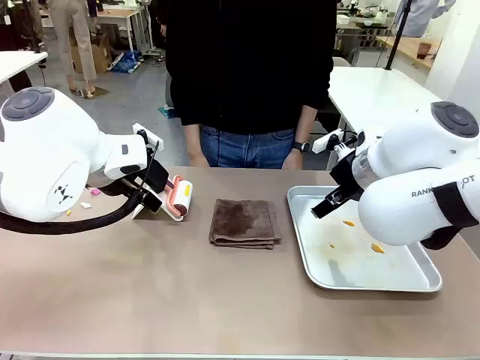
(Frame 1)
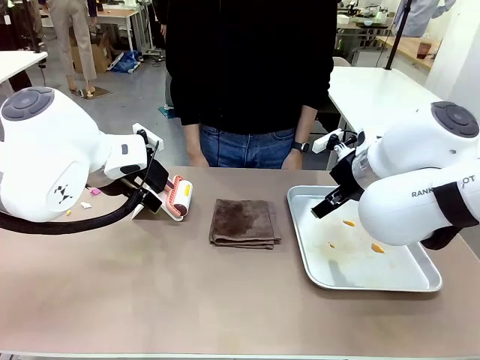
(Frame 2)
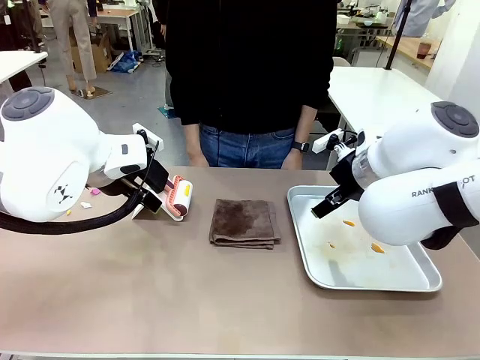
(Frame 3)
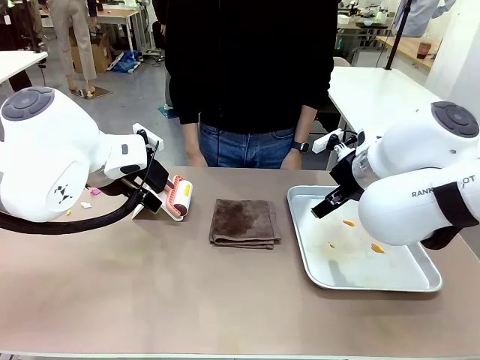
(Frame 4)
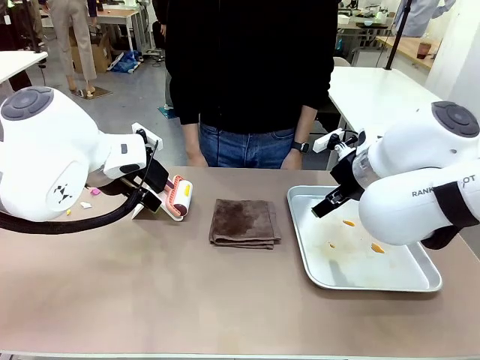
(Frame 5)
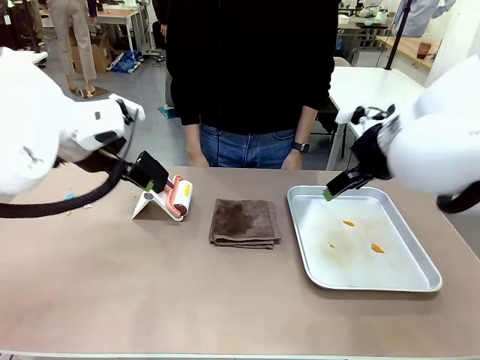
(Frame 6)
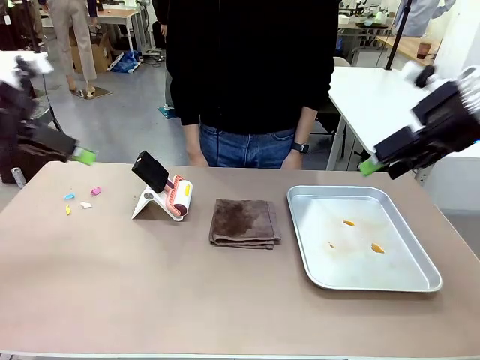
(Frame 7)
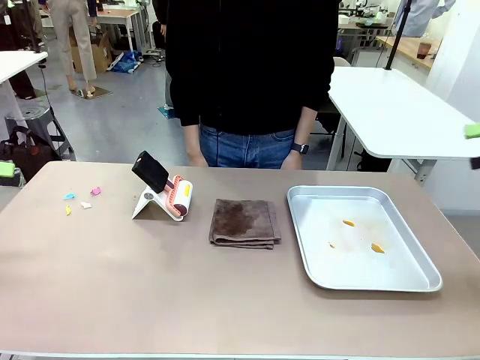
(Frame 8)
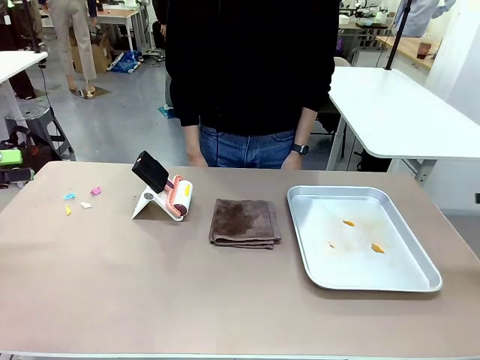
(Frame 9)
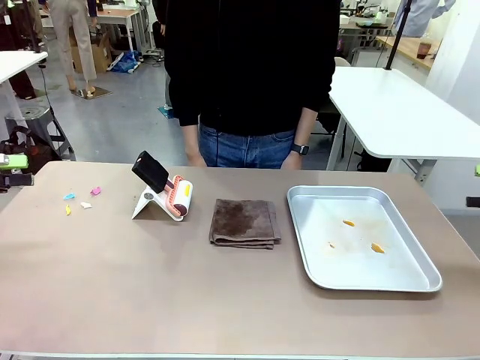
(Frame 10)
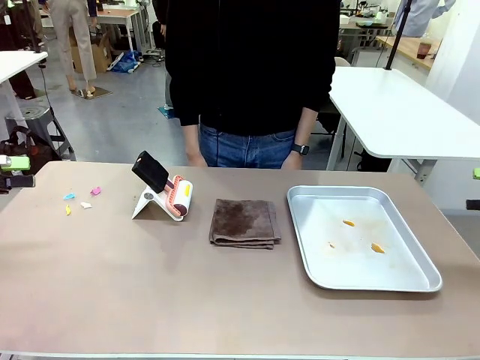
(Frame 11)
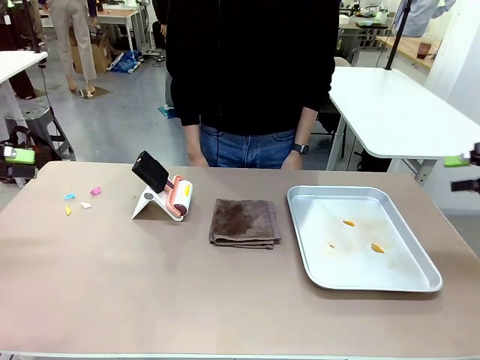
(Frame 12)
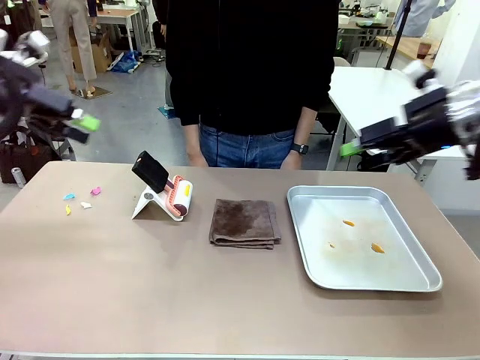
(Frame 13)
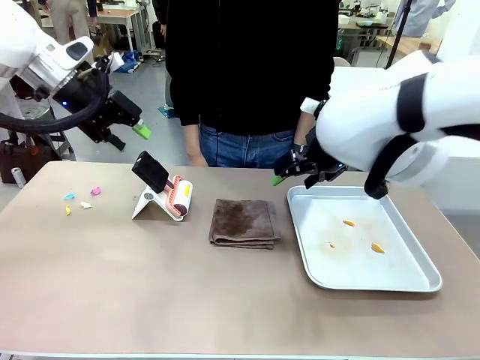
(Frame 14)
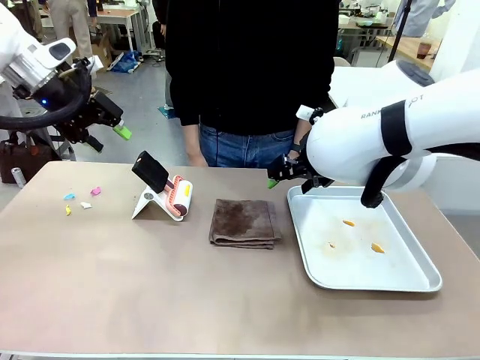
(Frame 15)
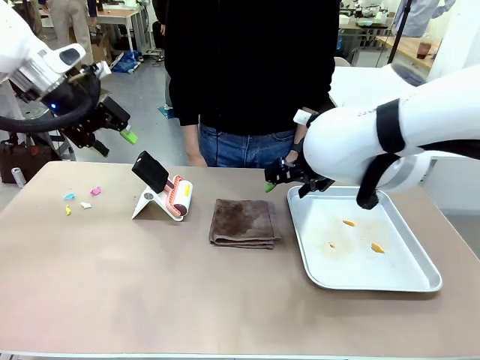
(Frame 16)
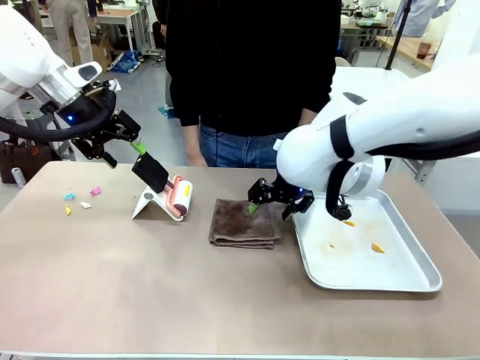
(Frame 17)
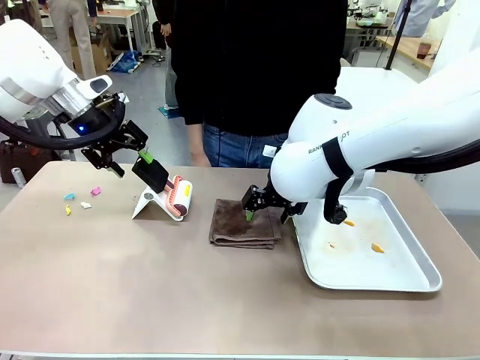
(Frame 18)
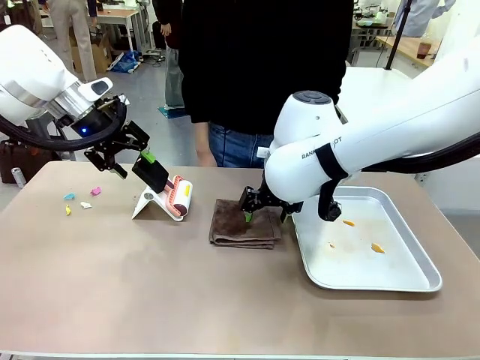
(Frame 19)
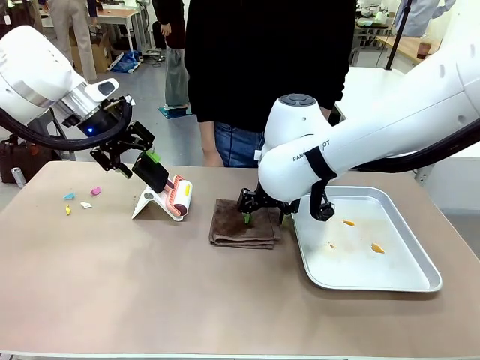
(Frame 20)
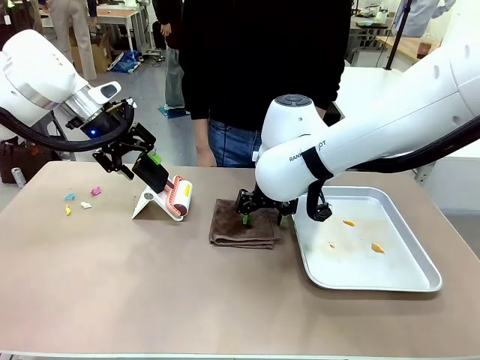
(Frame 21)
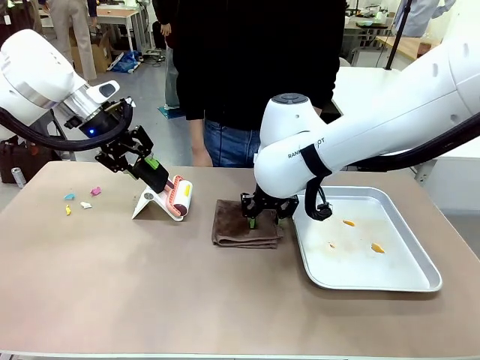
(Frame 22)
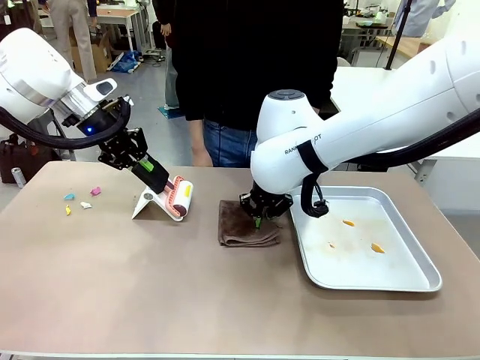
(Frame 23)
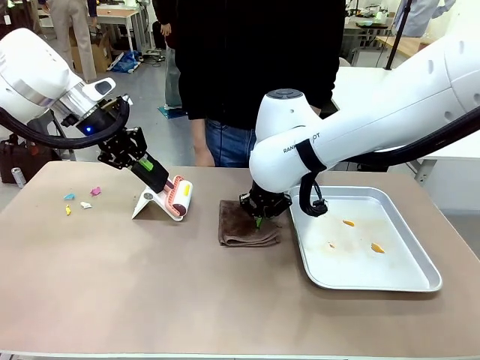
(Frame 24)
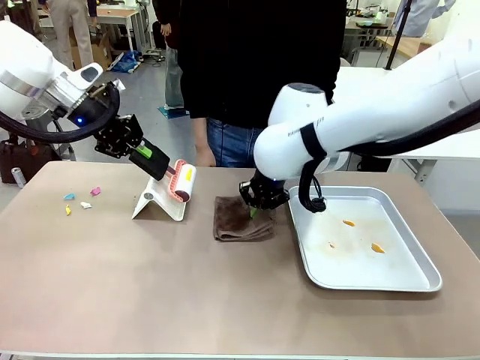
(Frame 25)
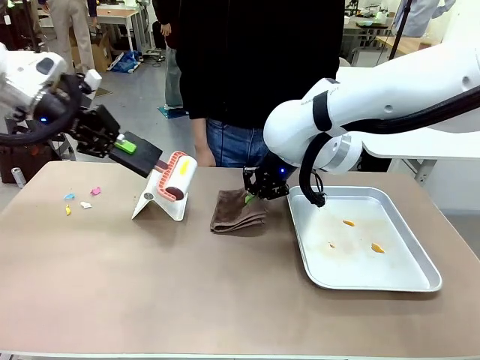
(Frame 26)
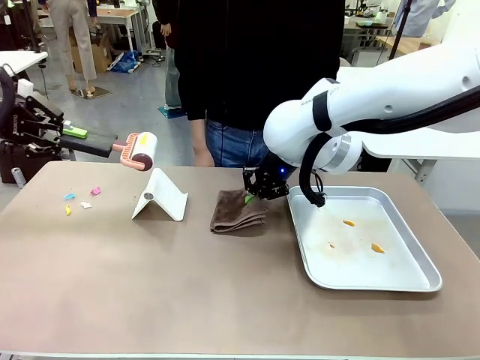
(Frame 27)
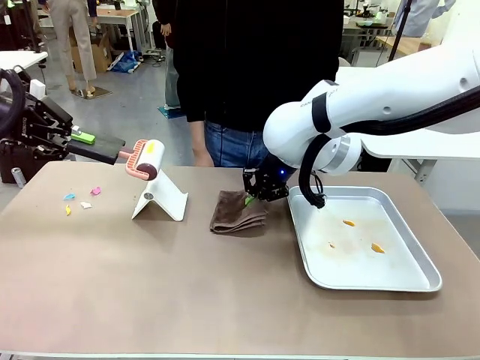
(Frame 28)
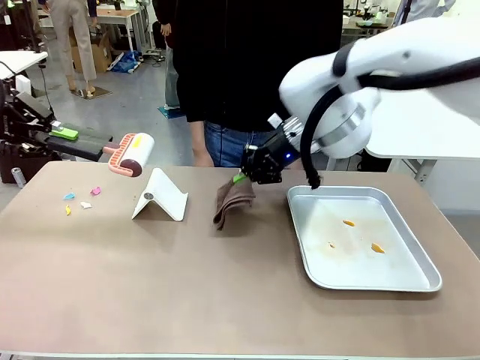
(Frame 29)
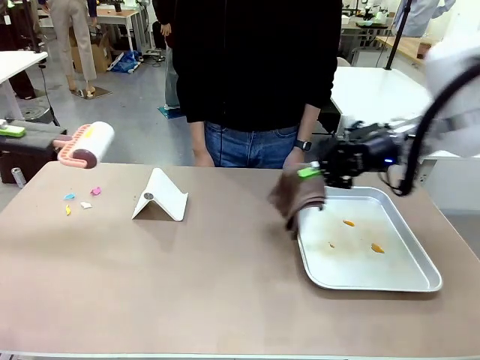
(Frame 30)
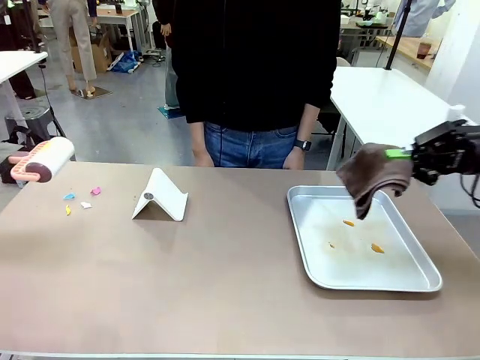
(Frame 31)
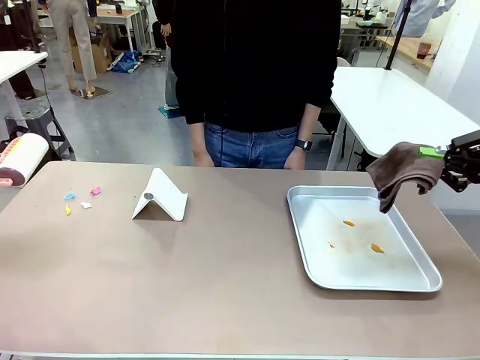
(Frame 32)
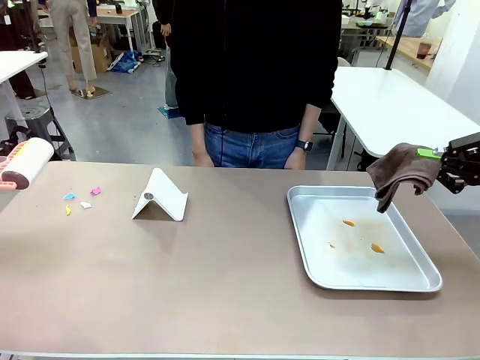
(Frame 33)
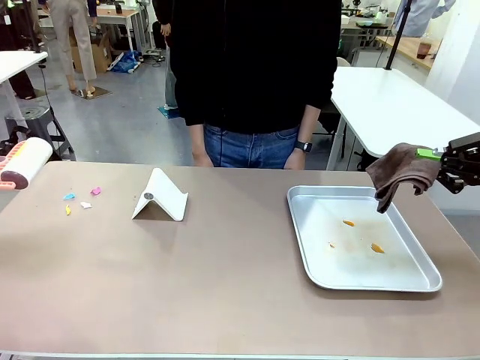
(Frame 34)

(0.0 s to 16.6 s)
Task: Clean the surface of the table.
Robot: Hold the Lint Roller with your left hand and the towel with your right hand.

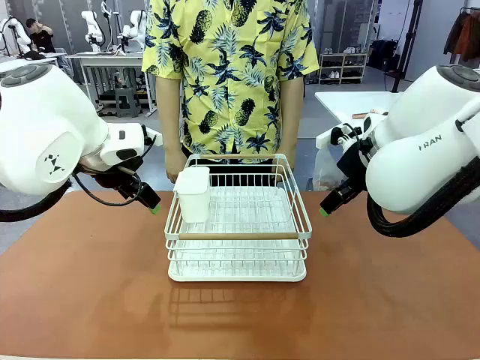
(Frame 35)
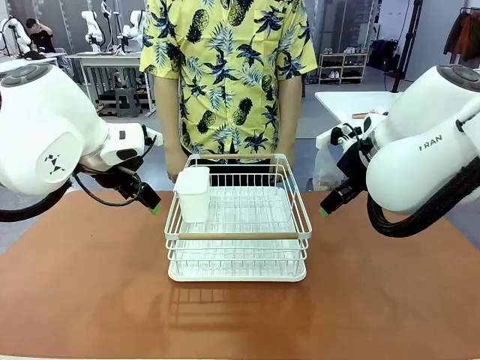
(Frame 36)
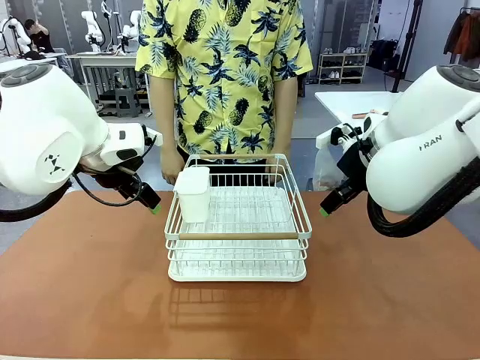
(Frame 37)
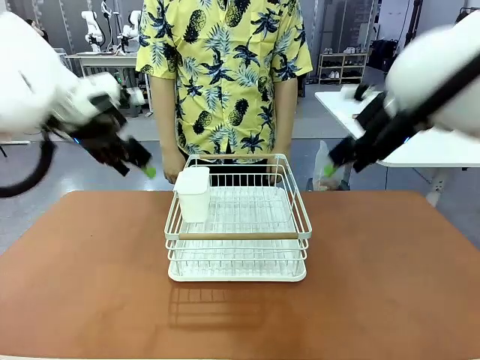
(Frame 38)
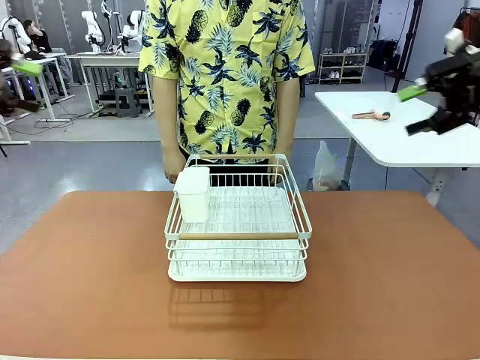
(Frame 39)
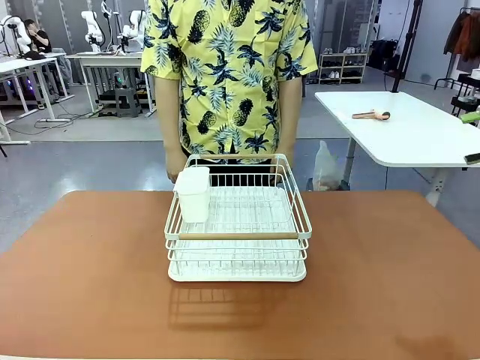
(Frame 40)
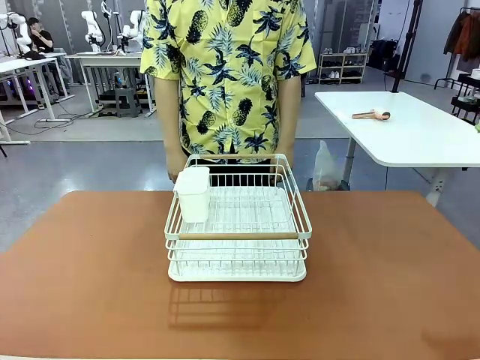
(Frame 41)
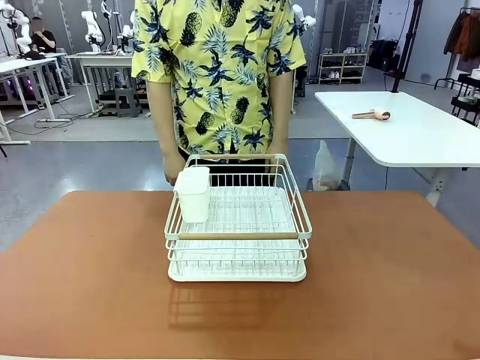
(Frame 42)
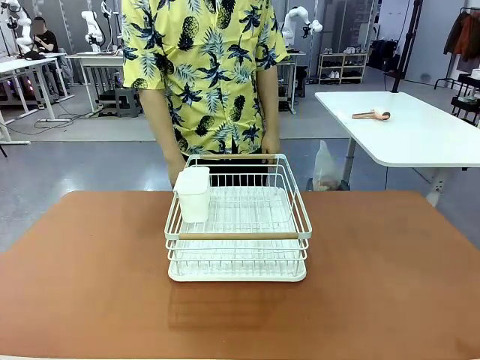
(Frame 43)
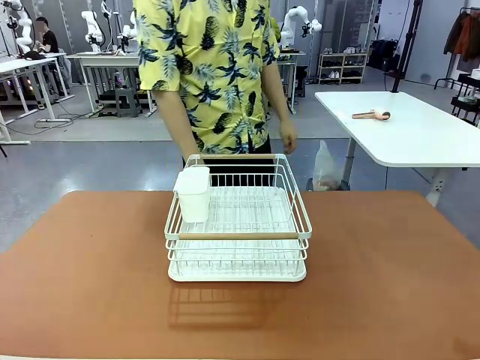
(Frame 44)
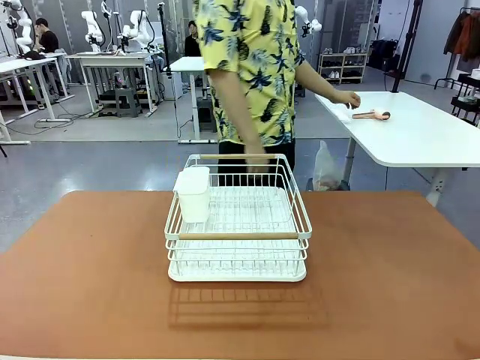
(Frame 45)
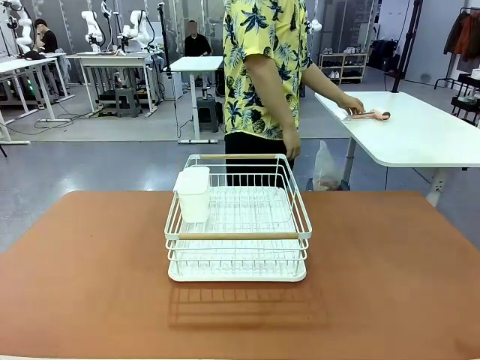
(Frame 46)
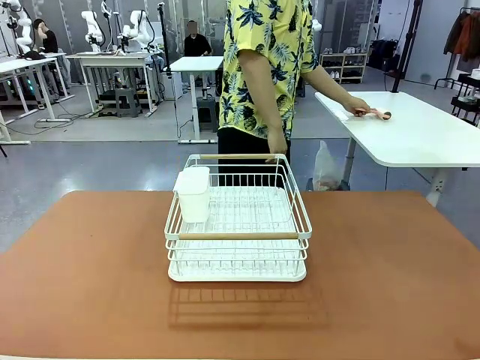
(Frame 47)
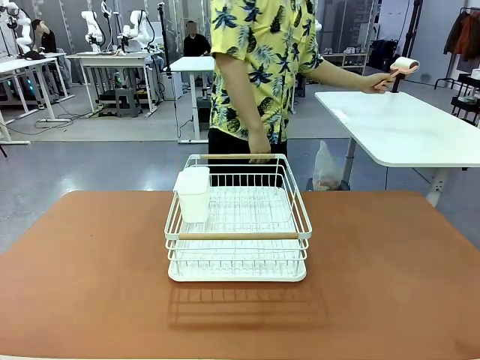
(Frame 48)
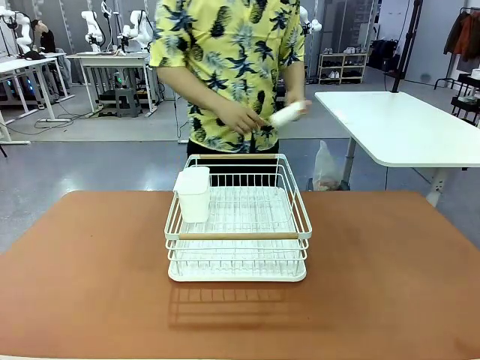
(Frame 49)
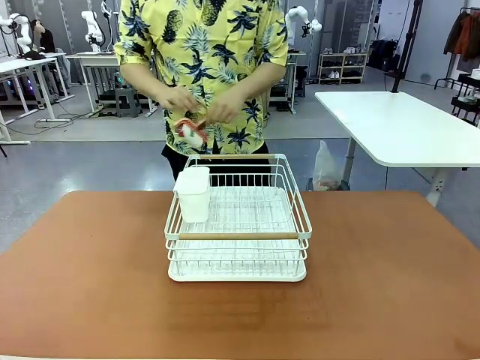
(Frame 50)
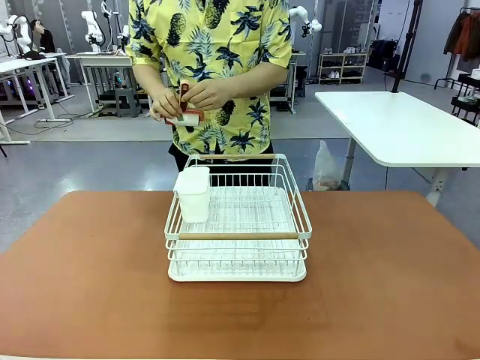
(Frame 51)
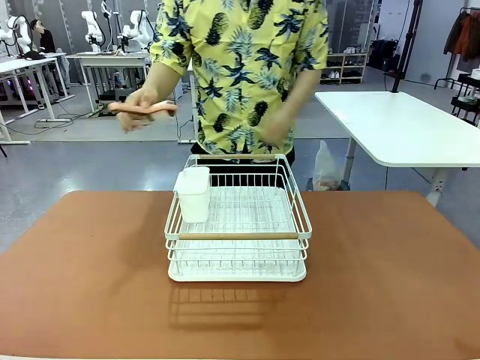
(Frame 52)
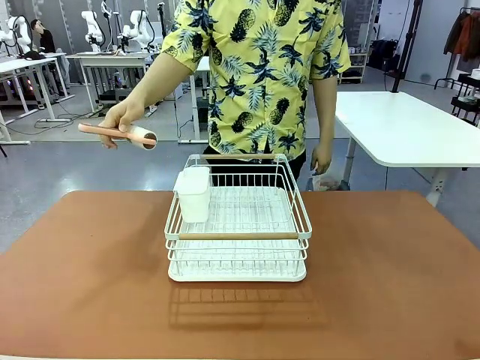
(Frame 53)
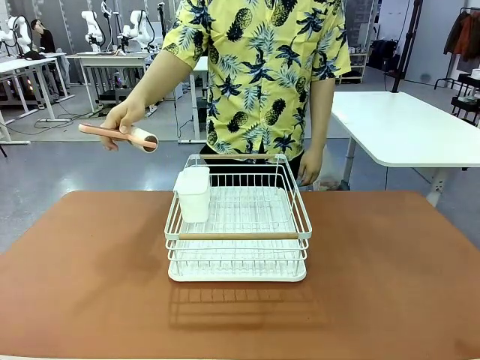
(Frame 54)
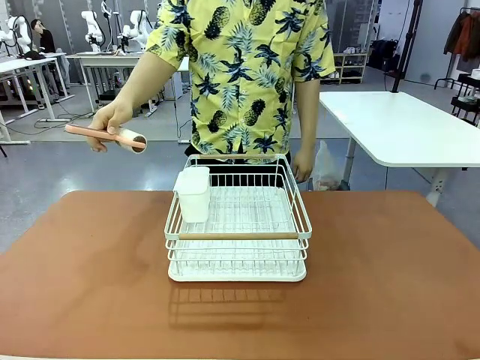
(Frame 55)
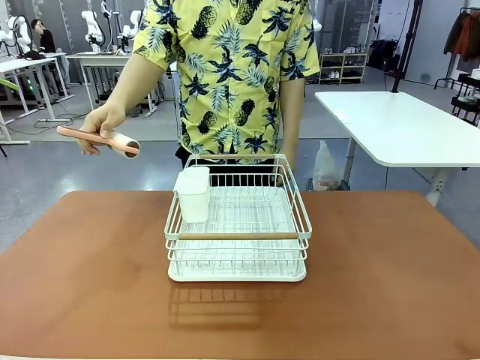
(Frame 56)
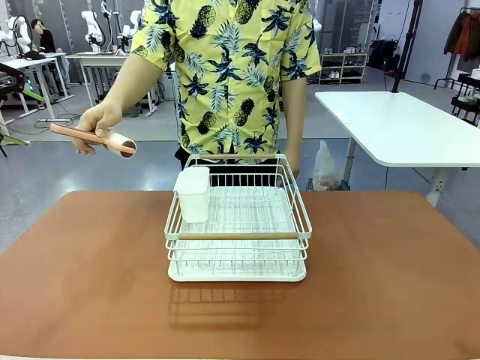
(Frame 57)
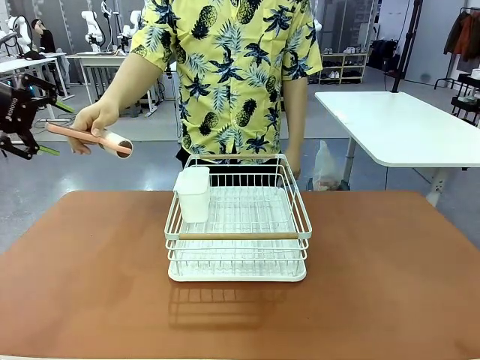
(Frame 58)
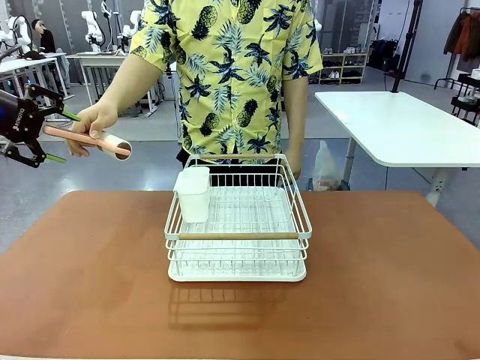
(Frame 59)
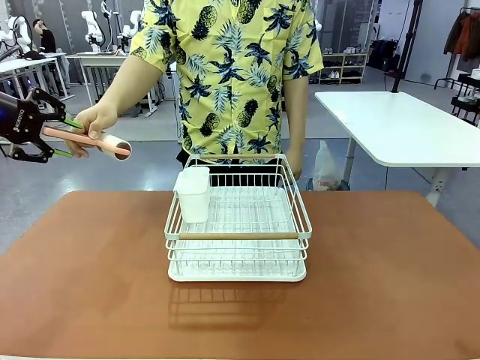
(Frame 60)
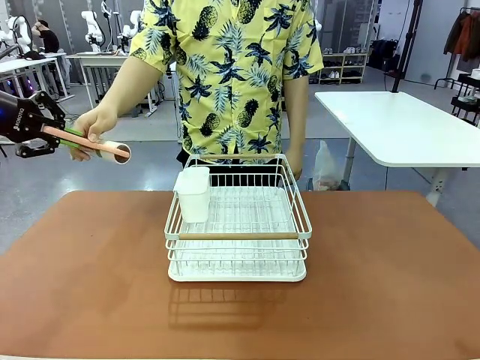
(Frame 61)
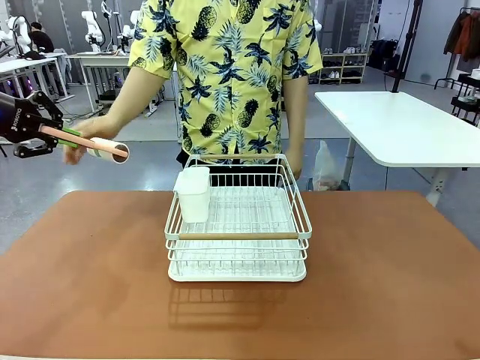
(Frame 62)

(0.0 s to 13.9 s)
Task: Clean the table.
Robot: Pick up the Lint Roller when the human hands it over.
Person: Hand the Lint Roller to the robot so it can easily pick it up. Lift the Dish drying rack.
